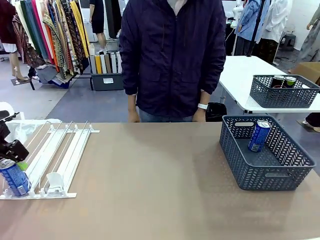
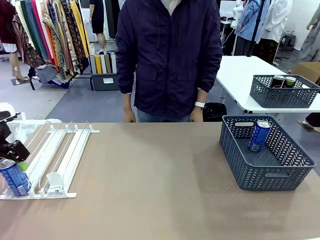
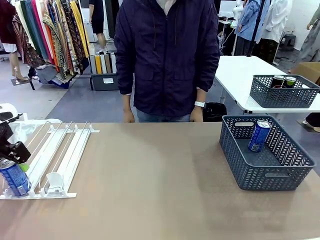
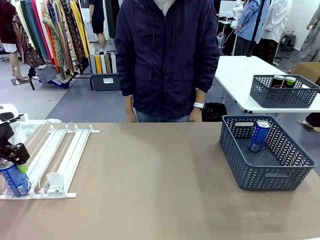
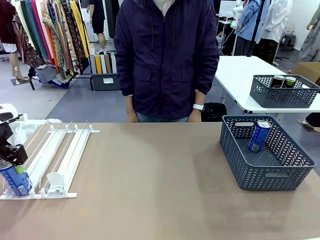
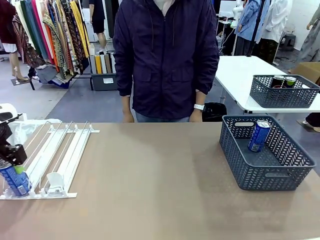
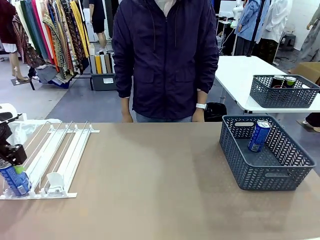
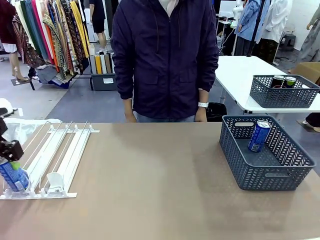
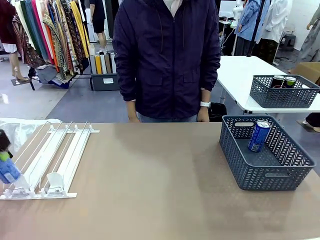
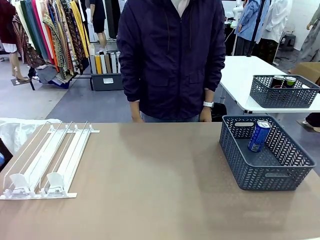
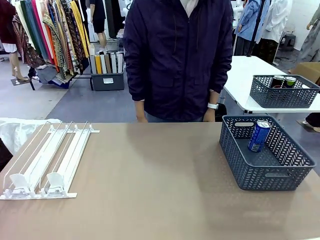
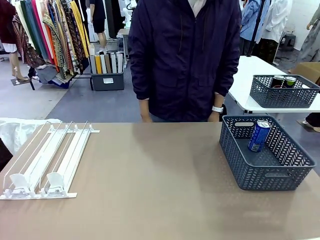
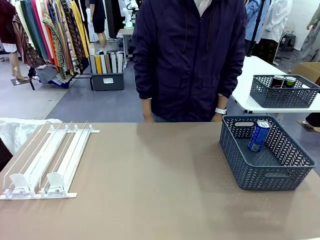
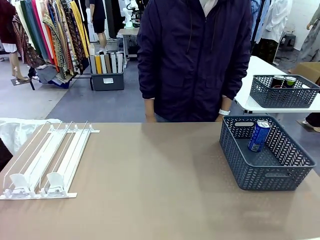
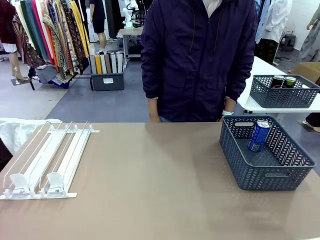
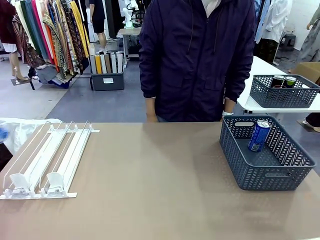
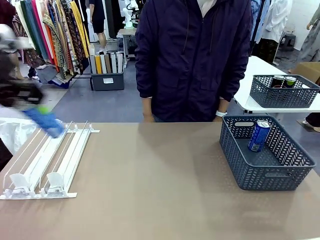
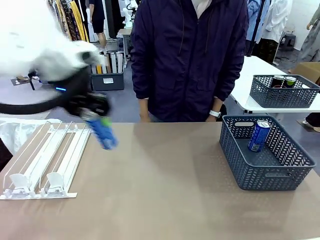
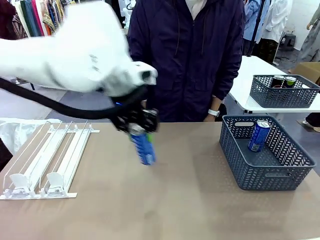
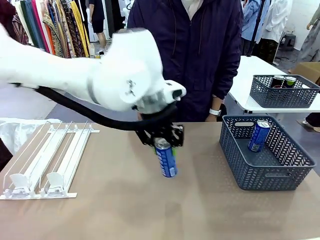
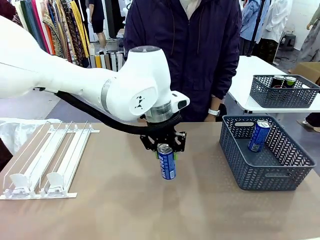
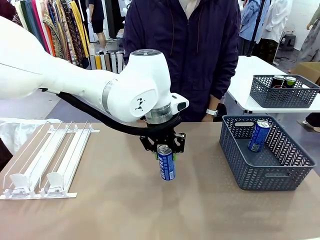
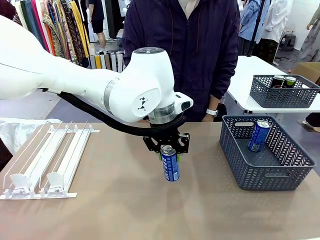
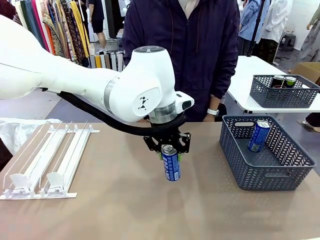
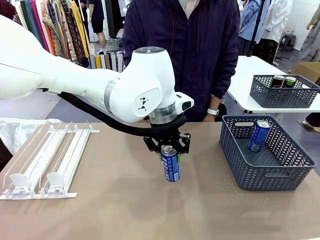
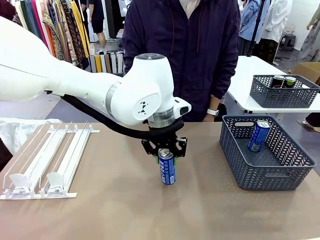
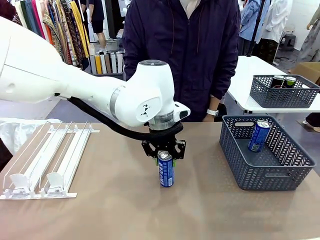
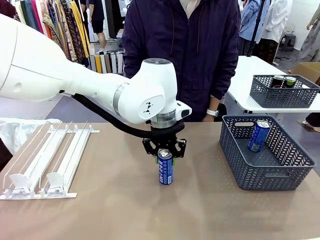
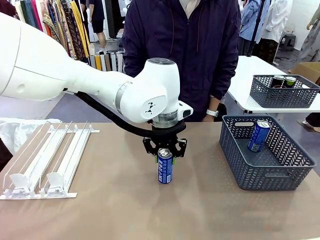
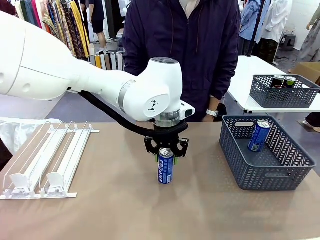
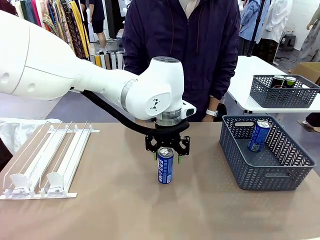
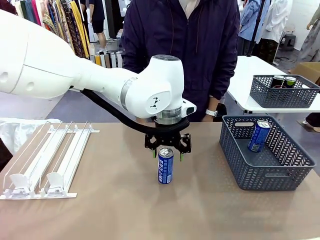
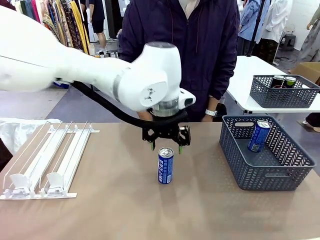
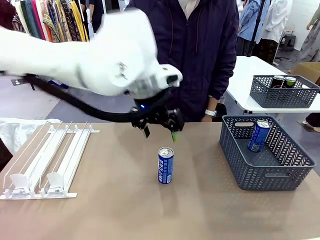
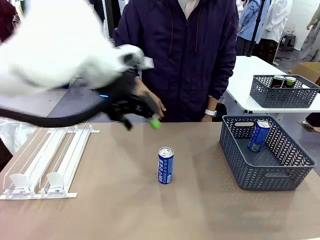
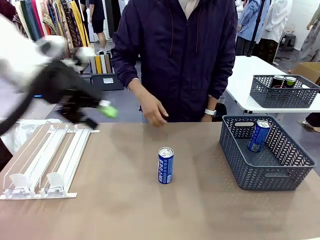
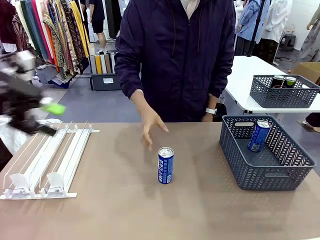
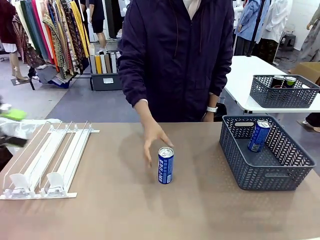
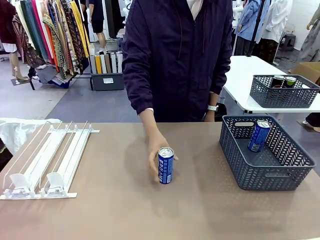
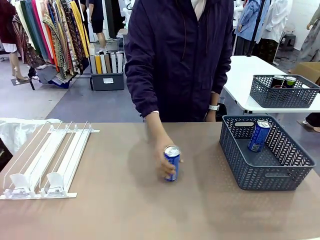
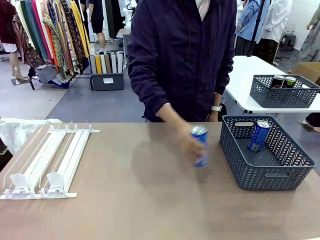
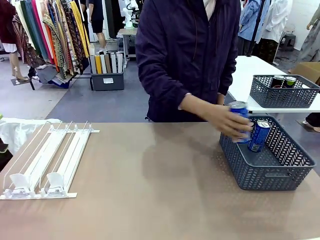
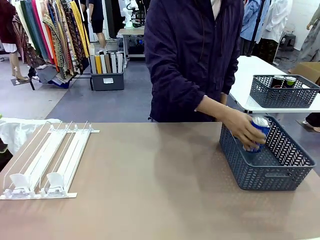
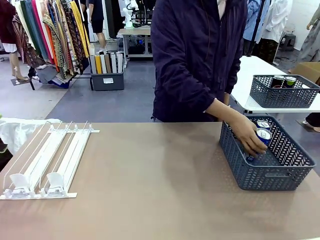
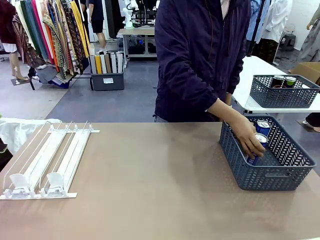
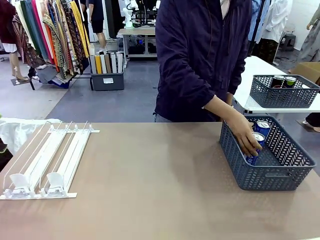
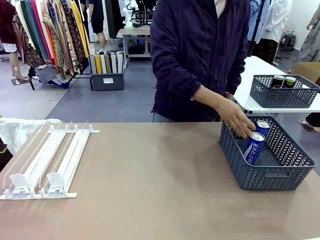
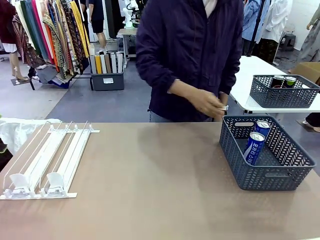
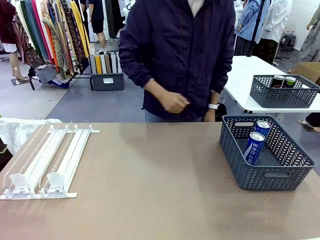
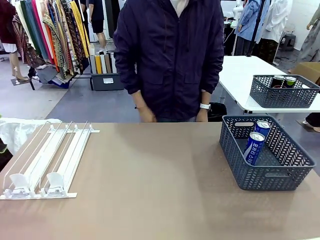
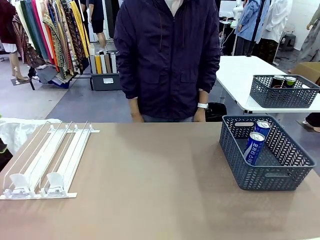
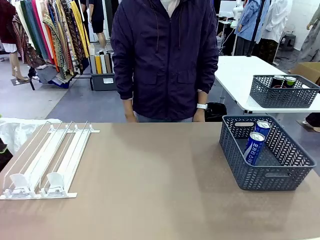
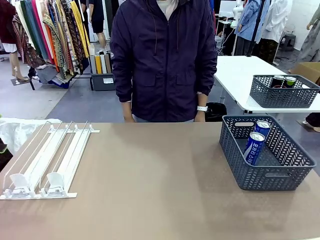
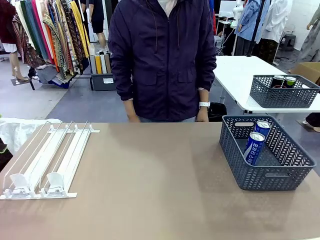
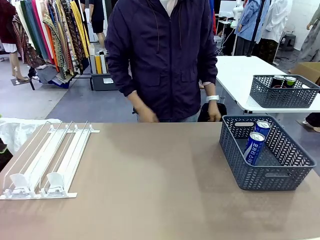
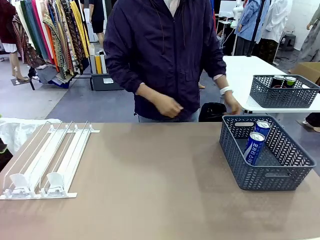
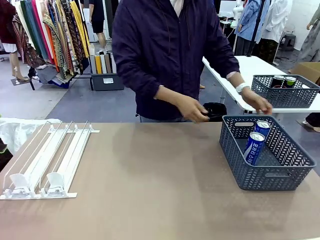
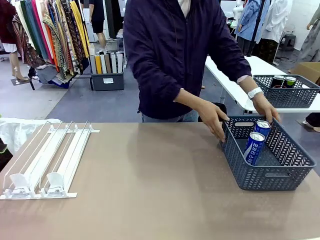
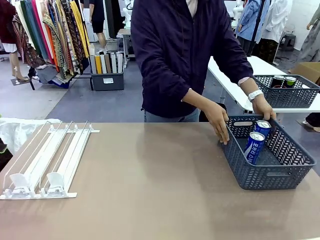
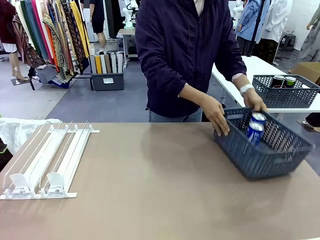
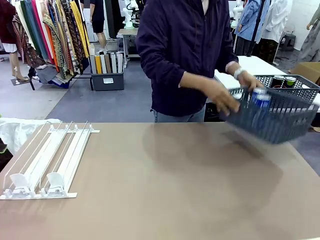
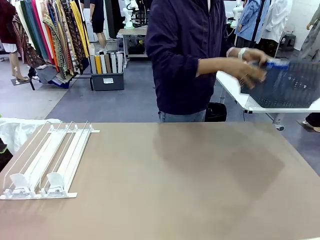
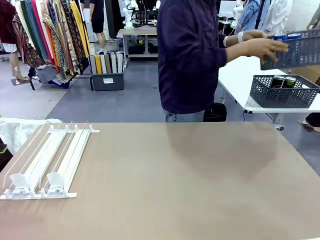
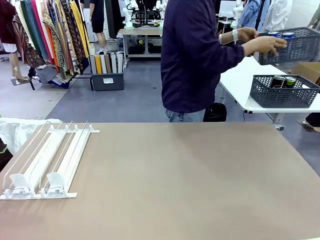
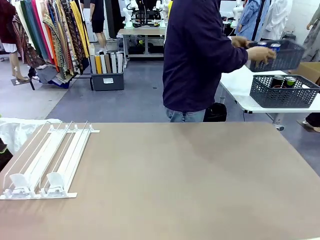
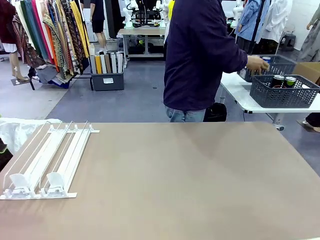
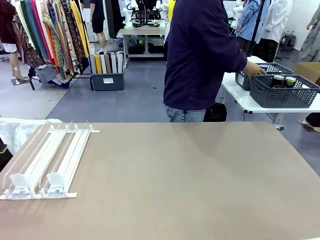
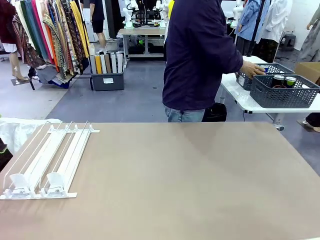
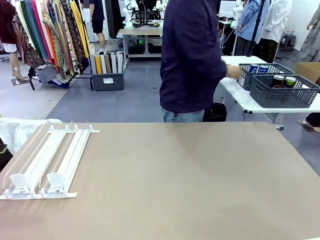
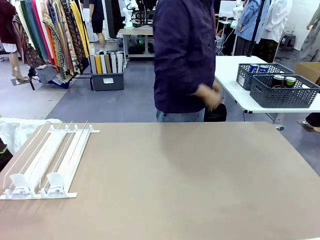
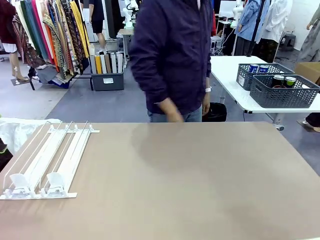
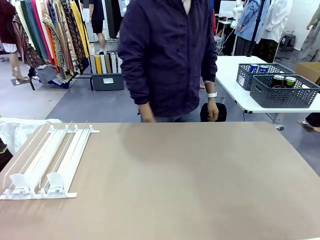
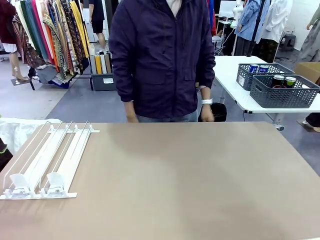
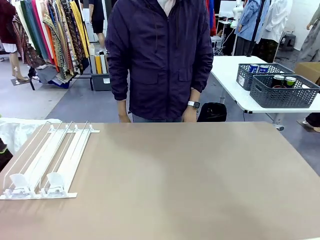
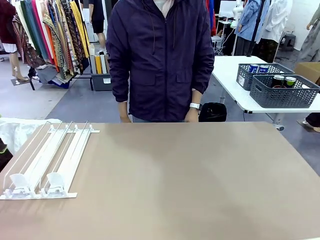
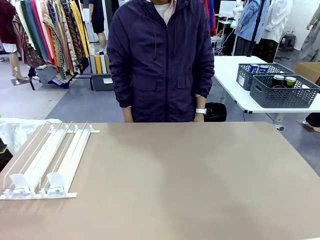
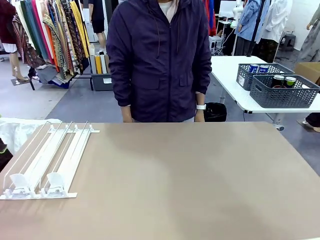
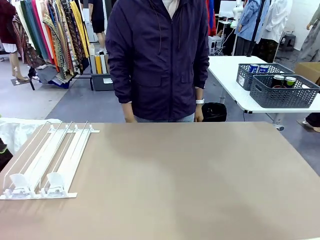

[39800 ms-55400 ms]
Task: Retrieve and store the cans from the dispenser.
Robot: Pick up one can from the Automatic Can Dispenser and place it in the middle of the table.
Person: Pick up one sports drink can from the middle of the robot table and place it in the basket. Pick up the basket and place it in the middle of the human table.
